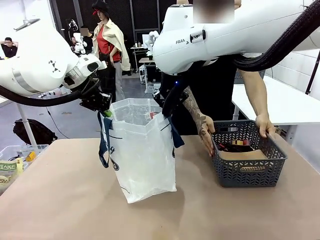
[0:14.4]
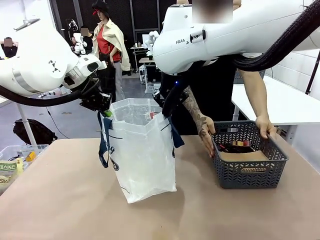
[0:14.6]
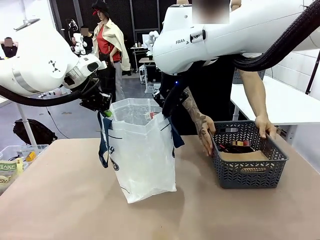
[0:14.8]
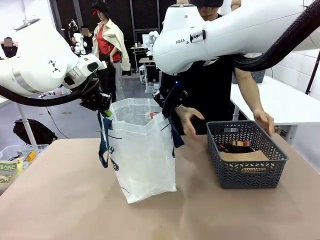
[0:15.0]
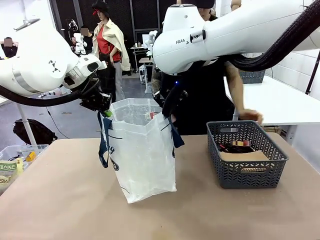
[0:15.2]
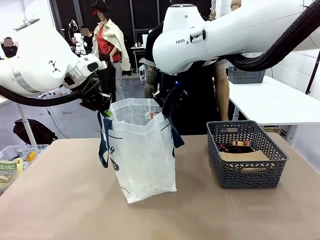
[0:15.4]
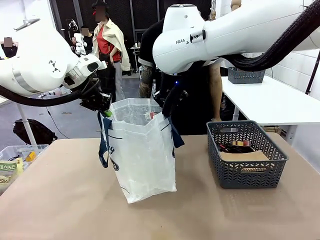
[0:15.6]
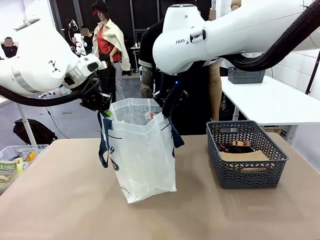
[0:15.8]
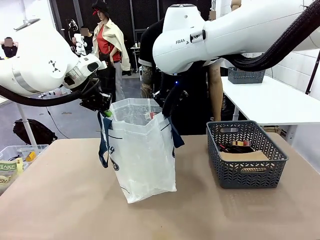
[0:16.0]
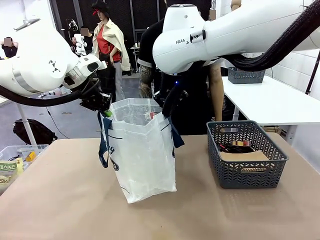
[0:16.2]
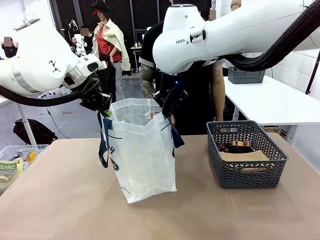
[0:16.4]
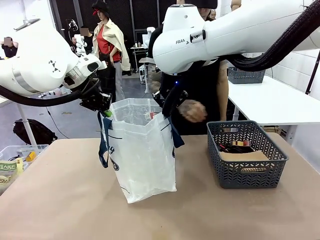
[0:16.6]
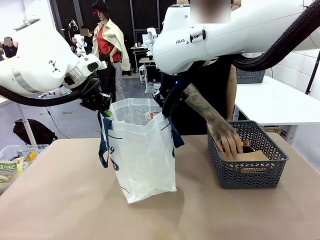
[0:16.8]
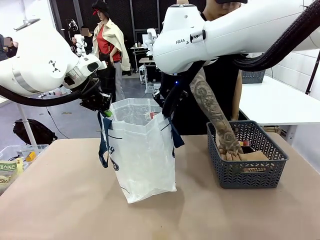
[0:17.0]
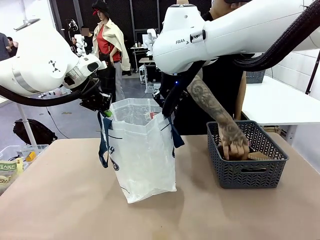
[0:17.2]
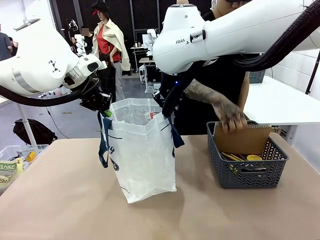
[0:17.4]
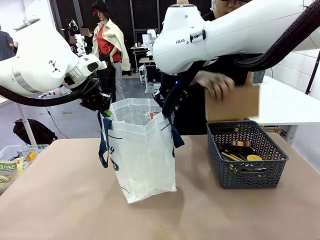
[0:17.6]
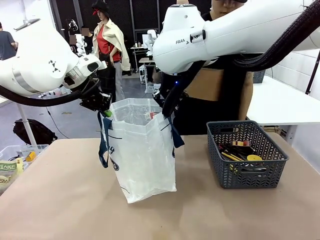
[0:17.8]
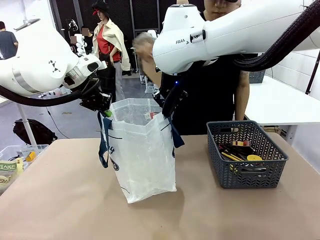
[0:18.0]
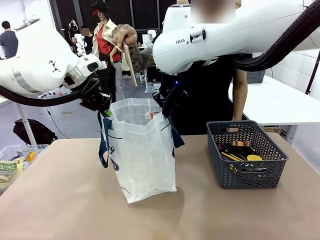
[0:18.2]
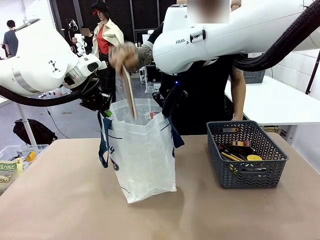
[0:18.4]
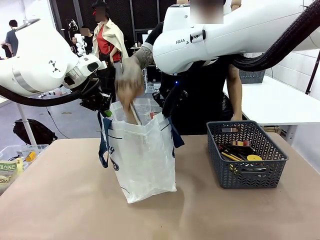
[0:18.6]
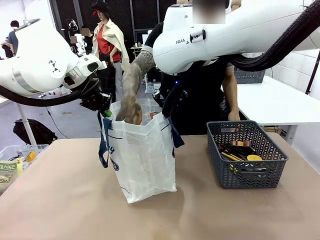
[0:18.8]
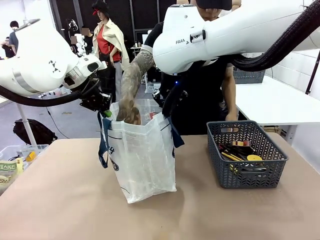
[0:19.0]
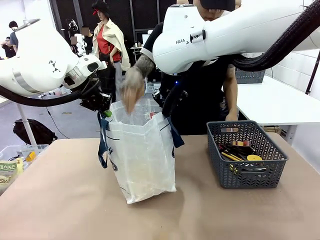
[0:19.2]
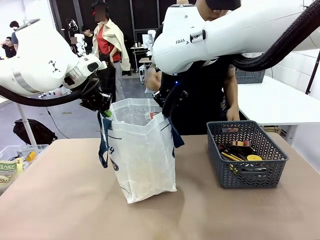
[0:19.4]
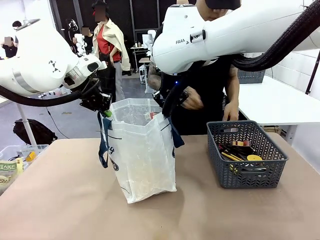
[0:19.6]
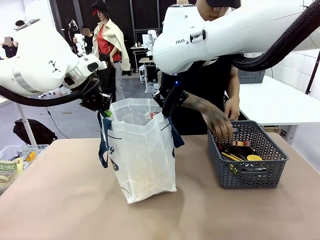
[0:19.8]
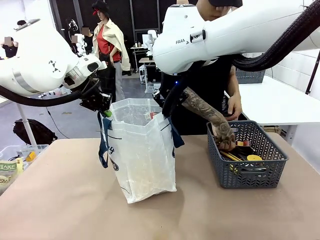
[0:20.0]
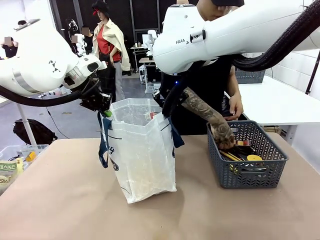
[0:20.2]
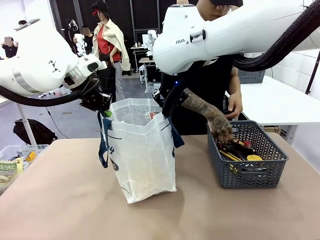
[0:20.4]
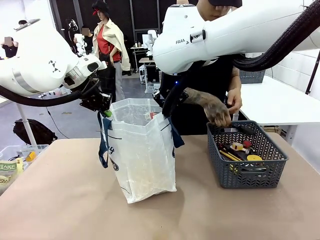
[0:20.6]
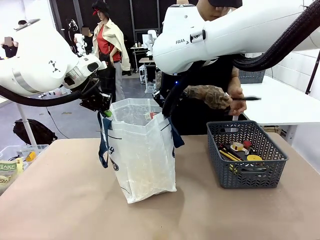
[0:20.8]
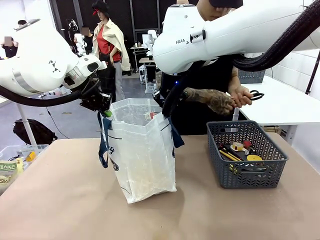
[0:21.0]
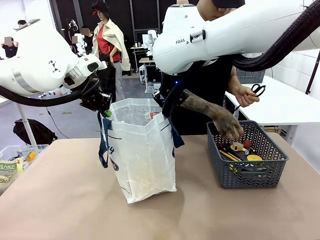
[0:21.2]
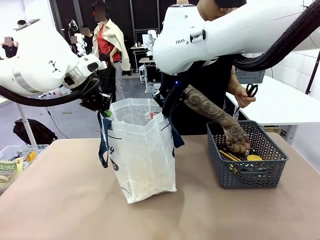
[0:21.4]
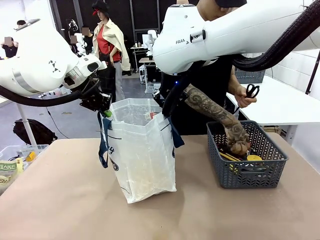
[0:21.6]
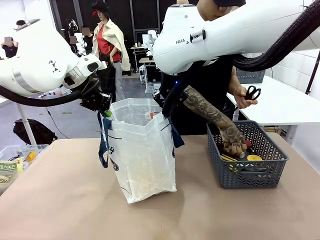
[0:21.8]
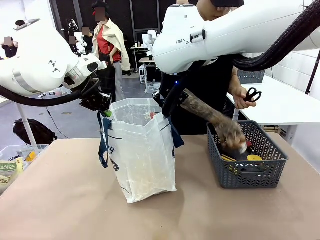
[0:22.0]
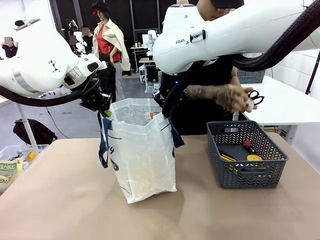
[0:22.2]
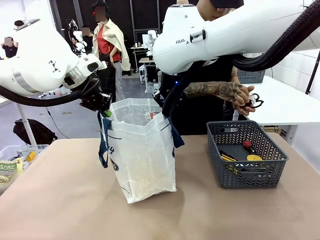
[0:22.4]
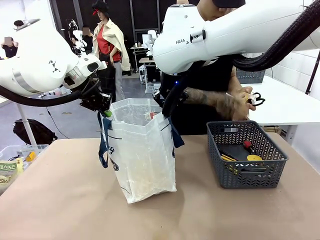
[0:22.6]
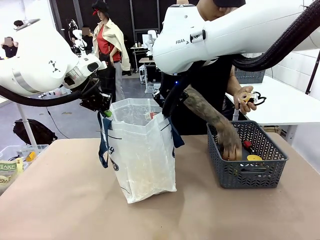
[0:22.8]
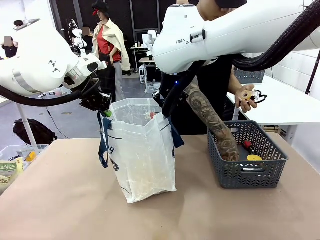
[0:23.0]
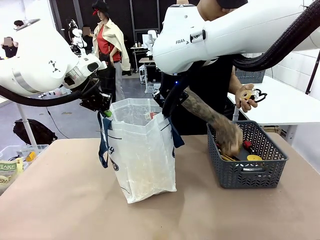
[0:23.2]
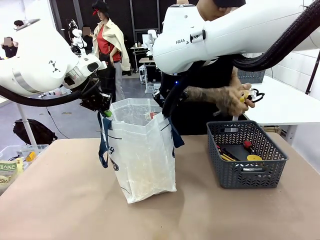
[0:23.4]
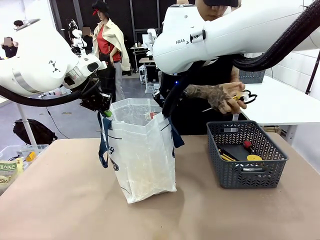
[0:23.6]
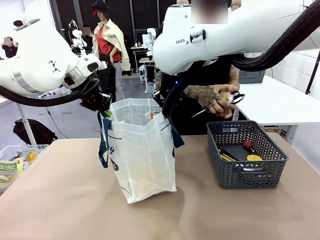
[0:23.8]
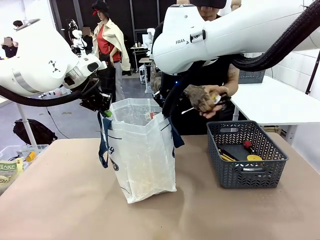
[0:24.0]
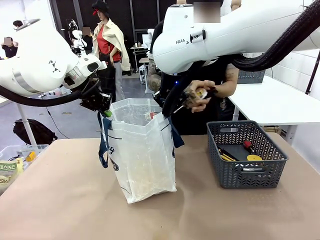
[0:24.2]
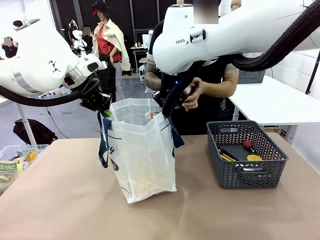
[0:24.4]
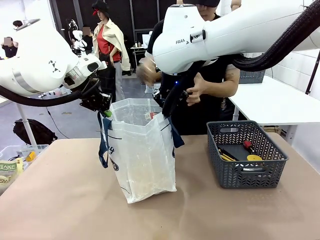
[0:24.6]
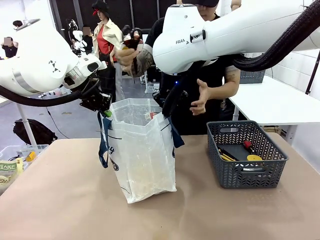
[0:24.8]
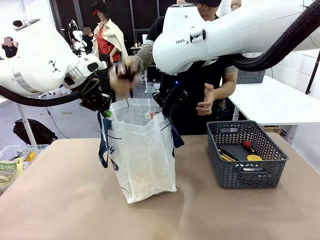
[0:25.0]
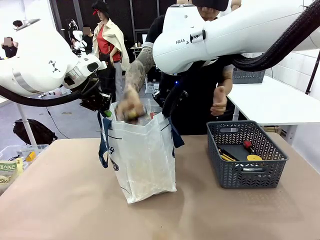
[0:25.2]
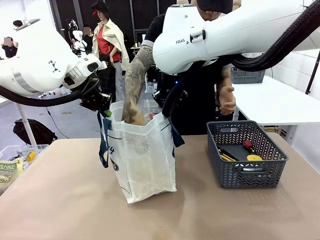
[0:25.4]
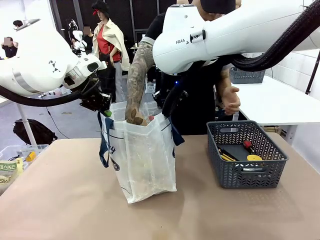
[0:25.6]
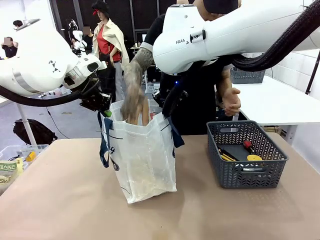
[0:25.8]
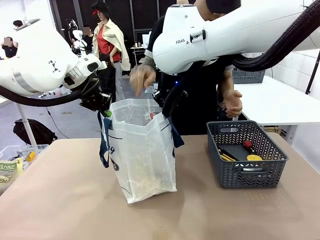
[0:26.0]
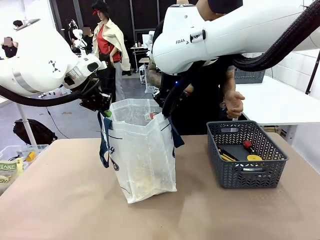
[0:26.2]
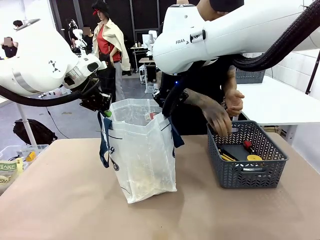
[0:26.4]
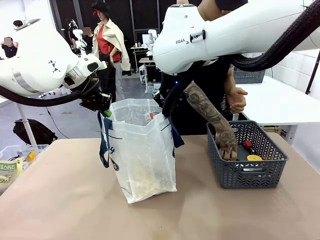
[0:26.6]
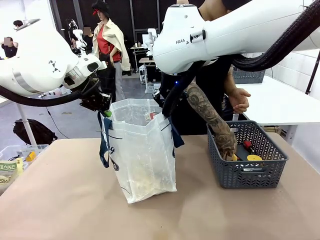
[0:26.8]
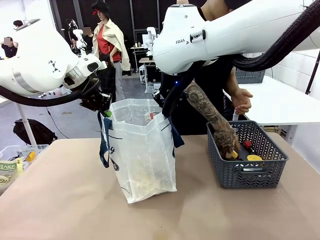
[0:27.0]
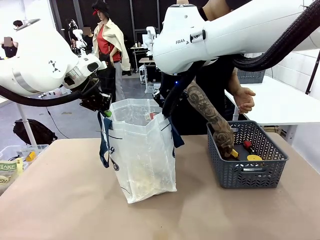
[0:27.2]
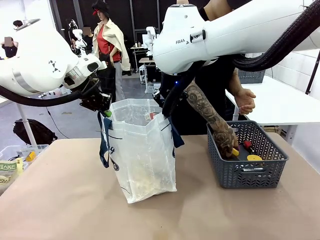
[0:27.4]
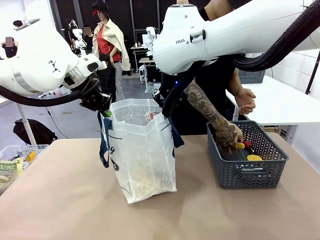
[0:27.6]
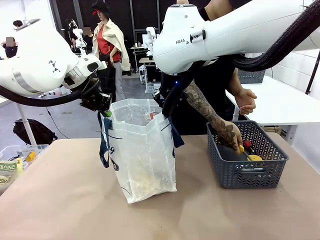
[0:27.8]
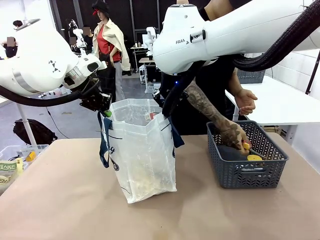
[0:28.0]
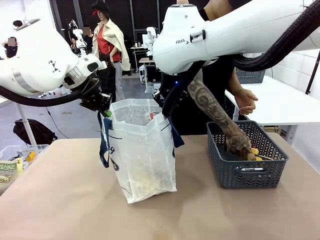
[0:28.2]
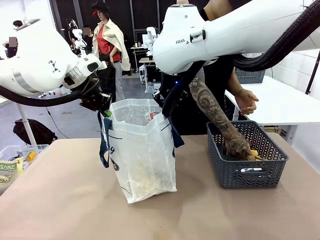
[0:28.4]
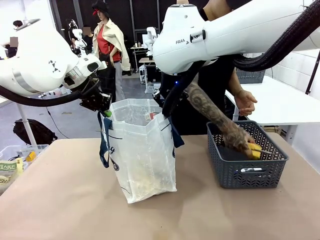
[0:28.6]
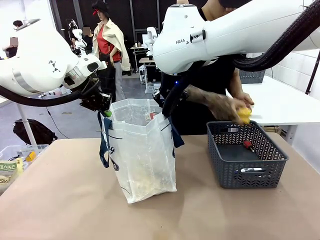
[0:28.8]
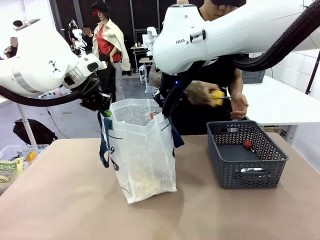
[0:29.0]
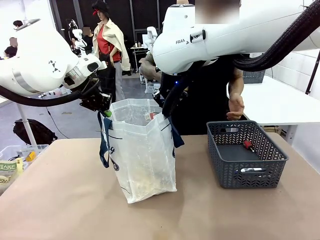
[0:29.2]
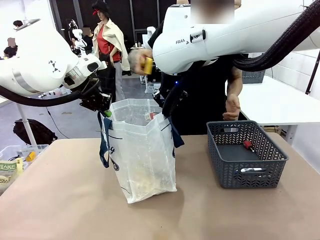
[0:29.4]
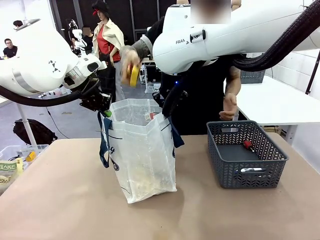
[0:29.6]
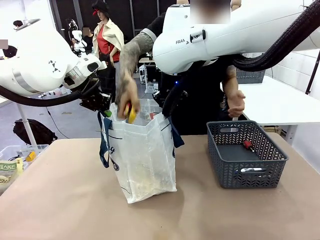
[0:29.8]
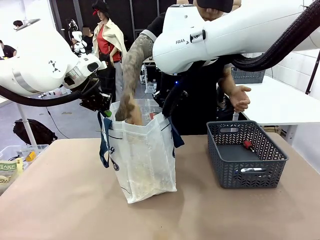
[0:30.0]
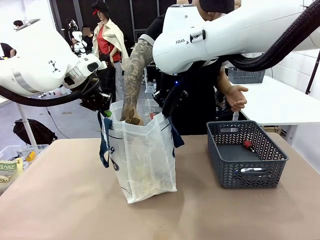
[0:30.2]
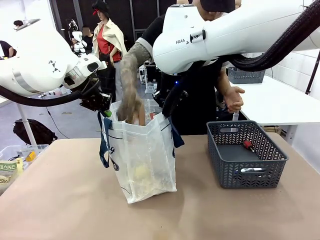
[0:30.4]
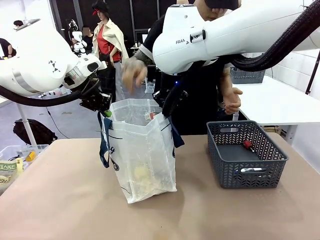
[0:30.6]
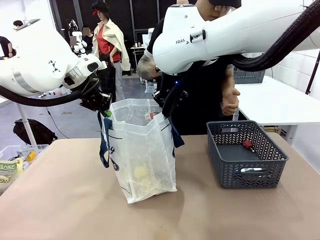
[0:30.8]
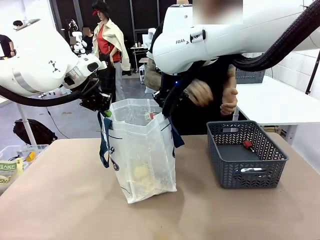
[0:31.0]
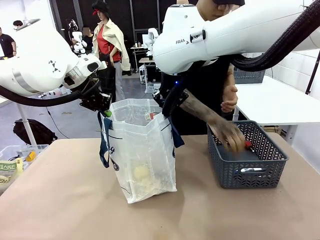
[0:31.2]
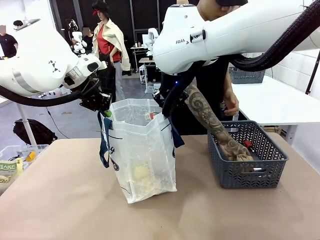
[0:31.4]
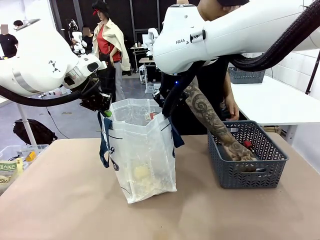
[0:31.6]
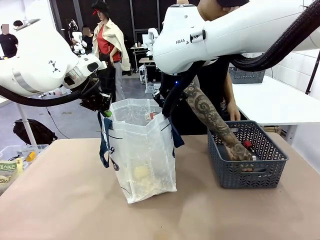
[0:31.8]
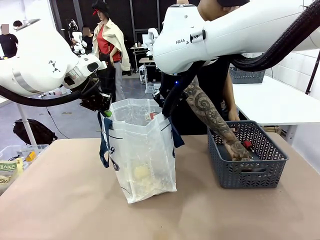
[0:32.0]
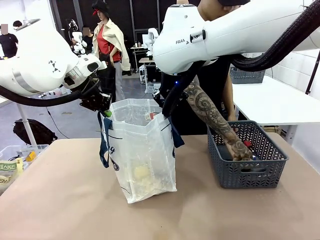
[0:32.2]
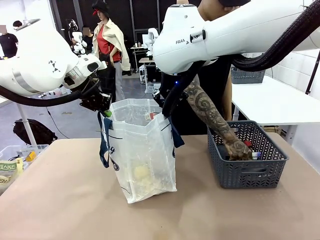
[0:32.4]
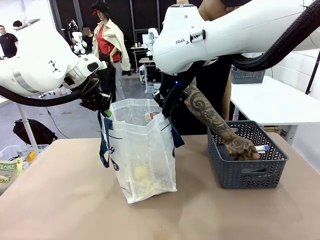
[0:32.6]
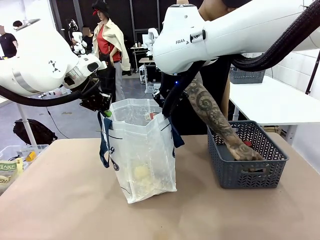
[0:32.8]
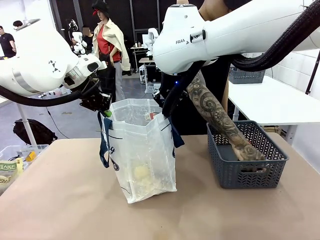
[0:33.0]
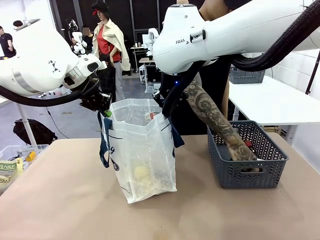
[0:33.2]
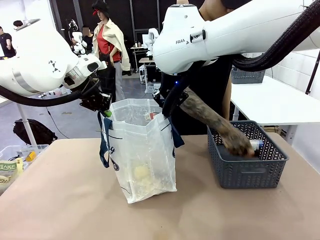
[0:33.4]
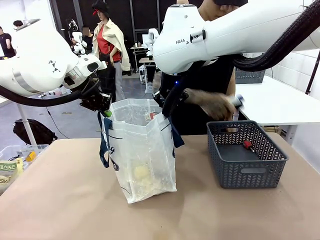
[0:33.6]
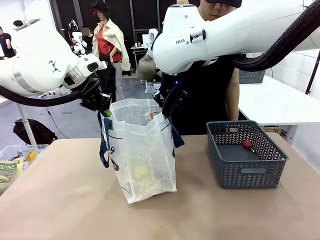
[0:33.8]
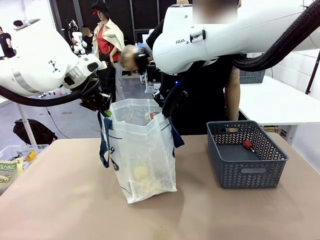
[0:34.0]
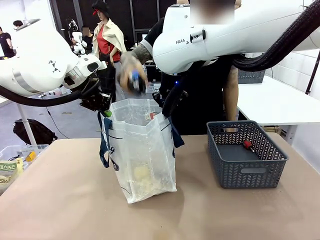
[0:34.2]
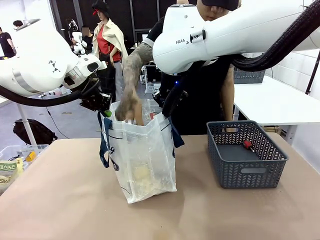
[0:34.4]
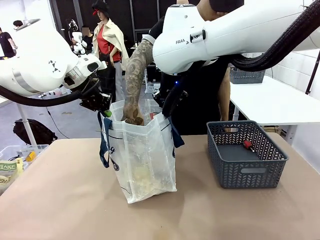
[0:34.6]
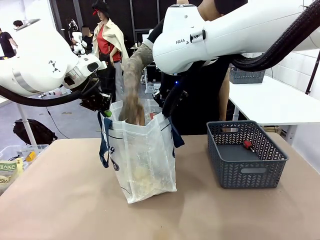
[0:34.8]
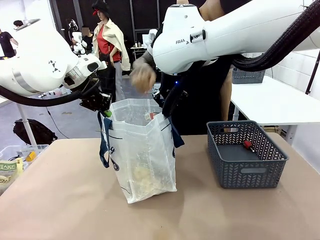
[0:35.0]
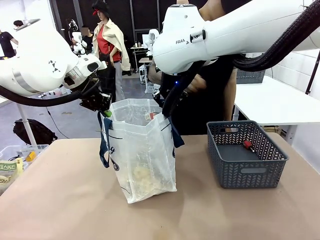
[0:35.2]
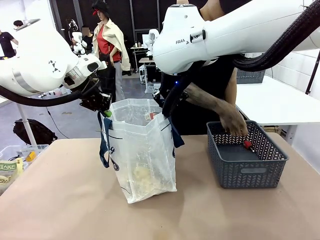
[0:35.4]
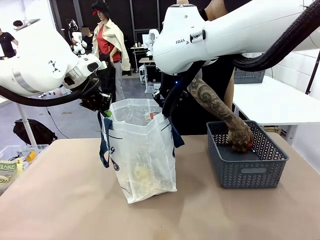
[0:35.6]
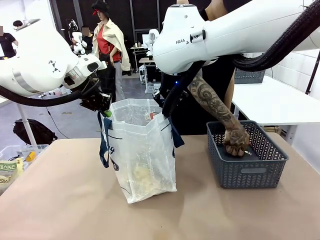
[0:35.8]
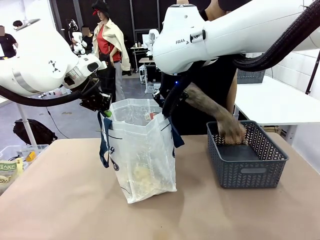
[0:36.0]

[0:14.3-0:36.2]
Task: Transfer purchased items from the store into the shopping bag.
Robot: Move the Reusable shopping bag to the right side of the table.
Person: Pick up the basket with the items out and place it on the right side of the human table.
